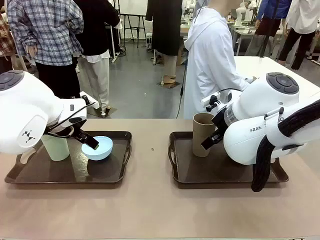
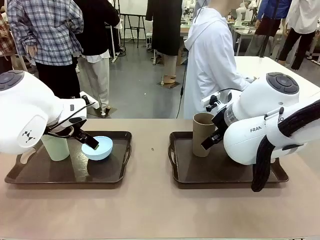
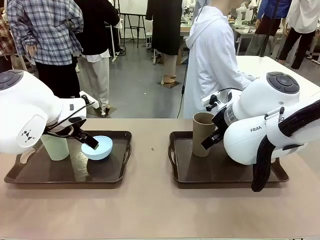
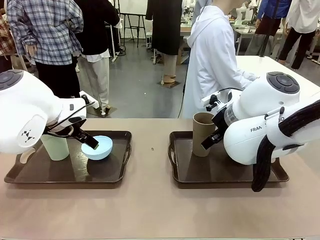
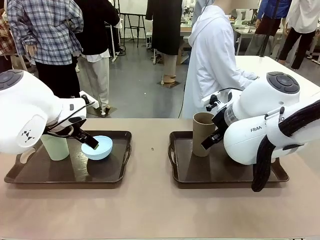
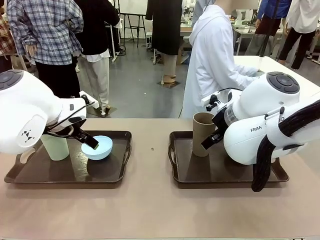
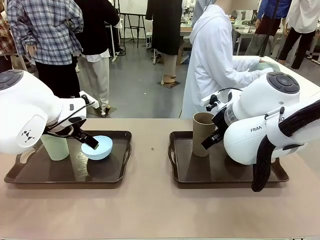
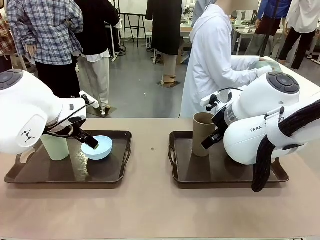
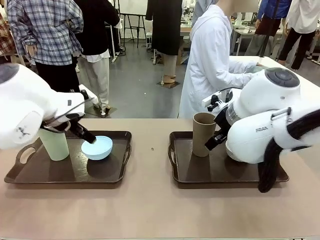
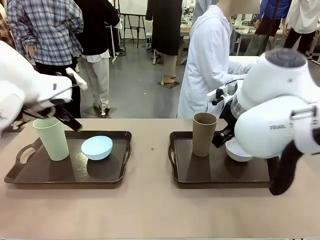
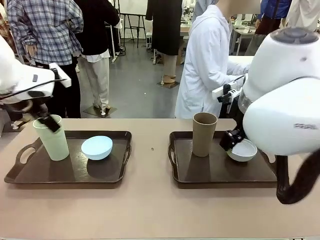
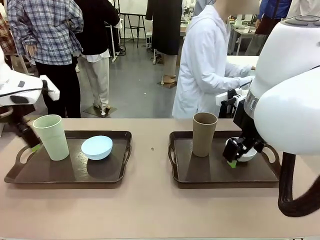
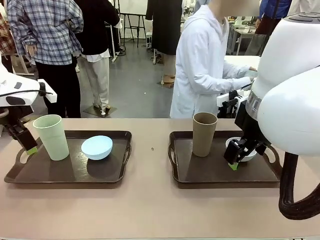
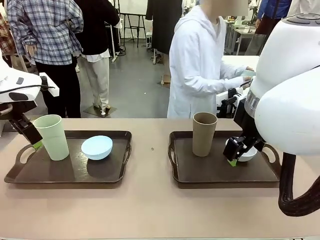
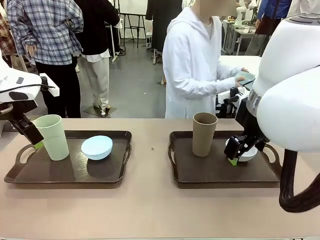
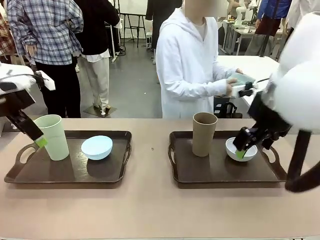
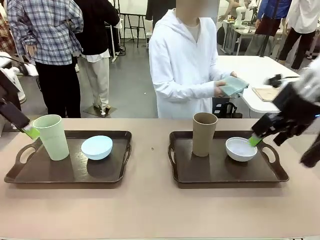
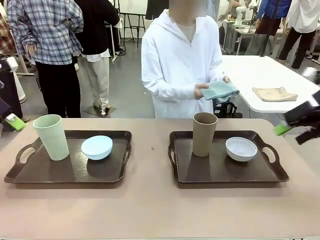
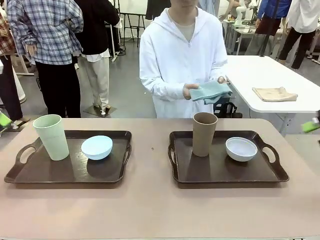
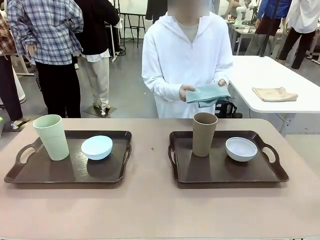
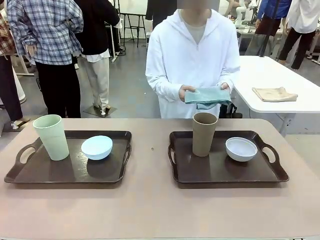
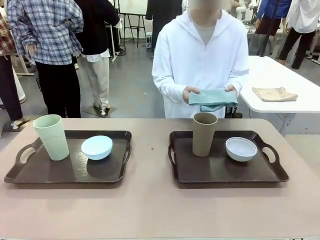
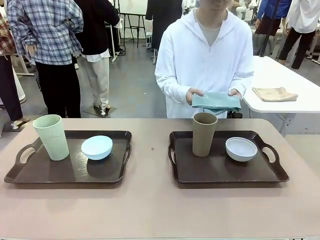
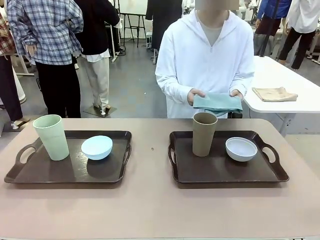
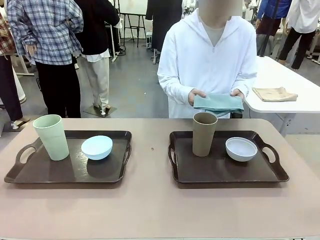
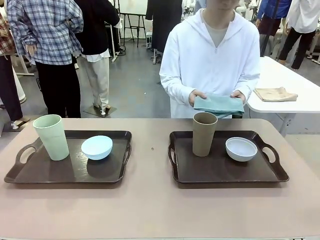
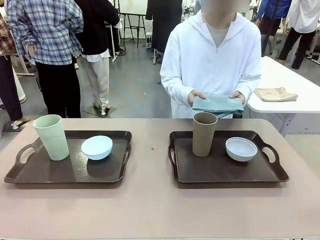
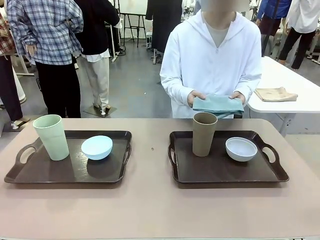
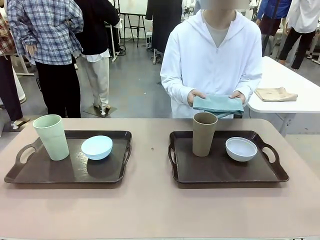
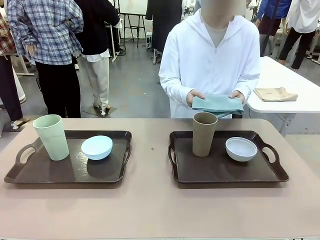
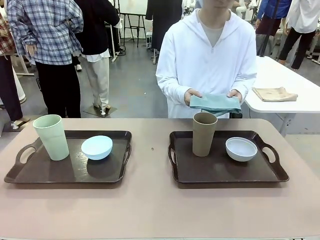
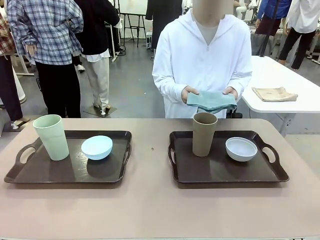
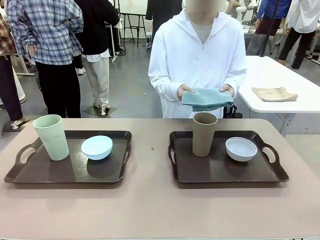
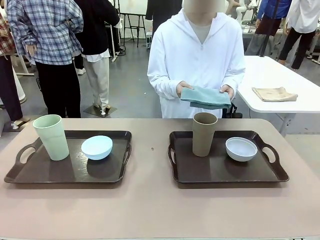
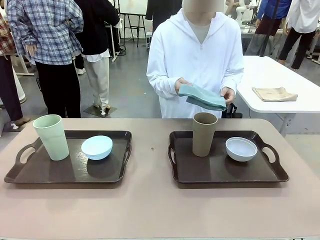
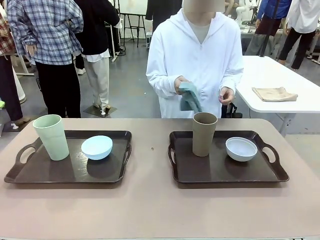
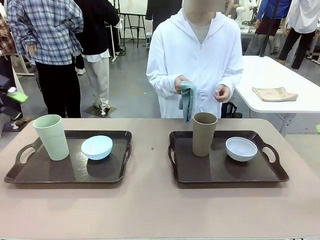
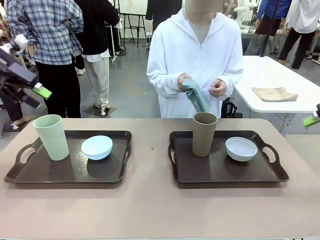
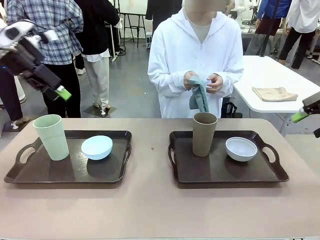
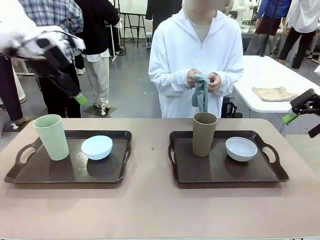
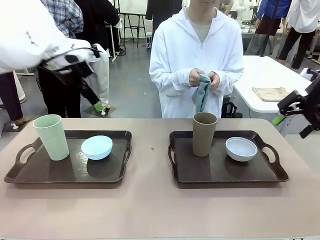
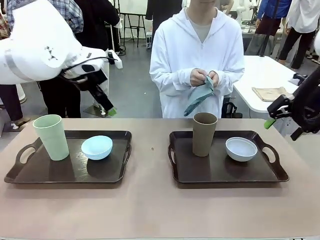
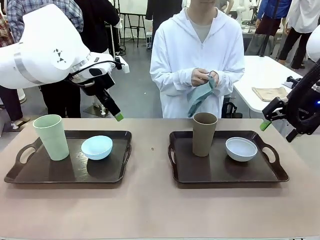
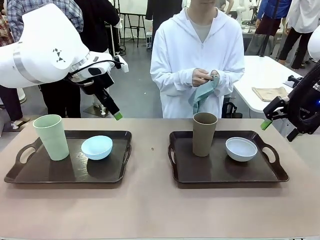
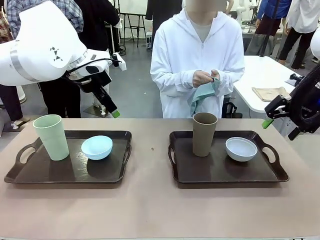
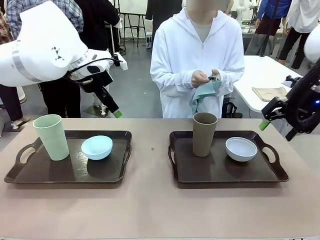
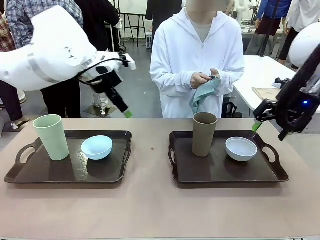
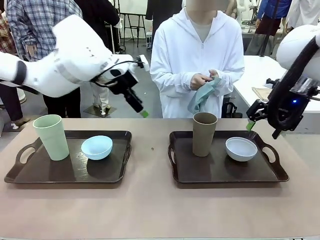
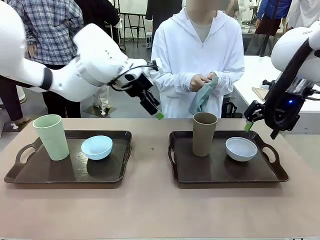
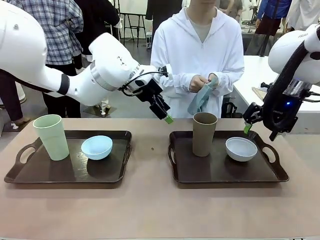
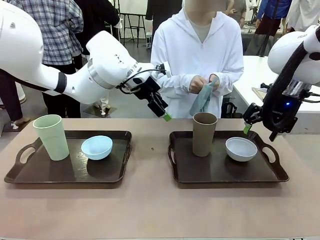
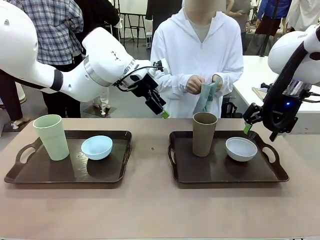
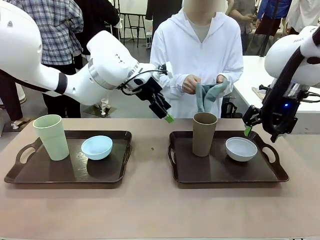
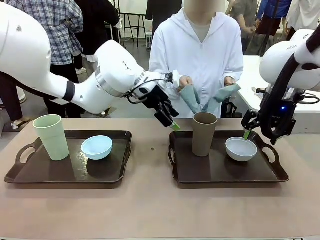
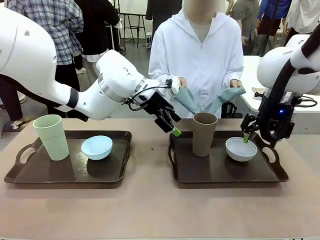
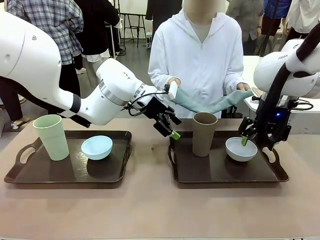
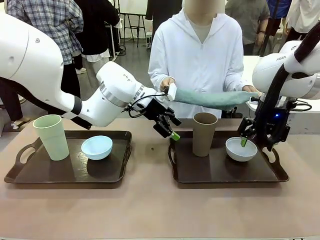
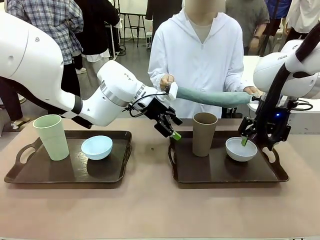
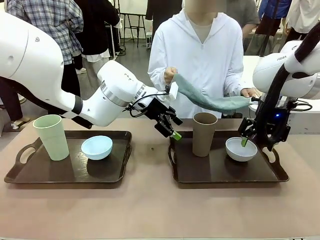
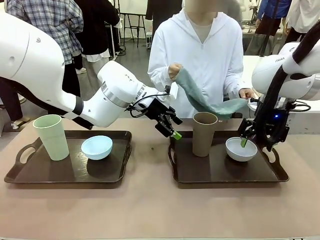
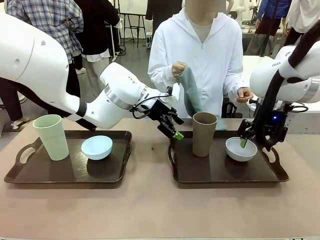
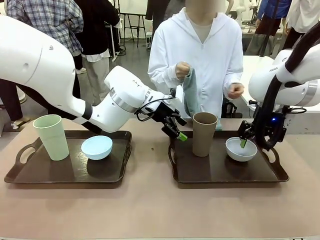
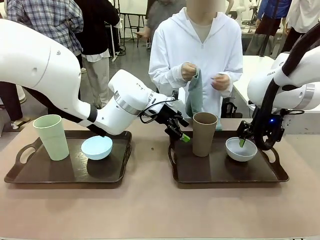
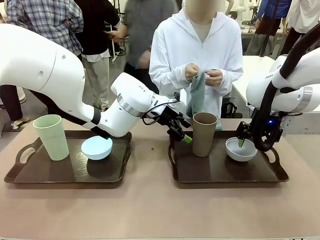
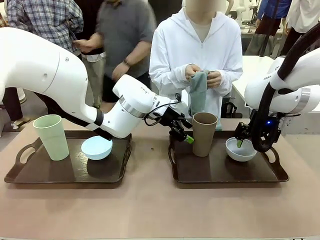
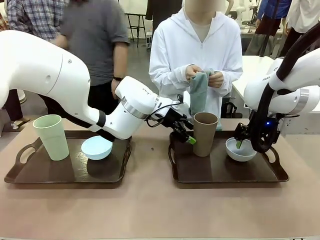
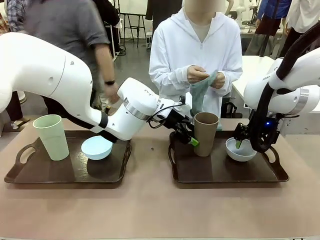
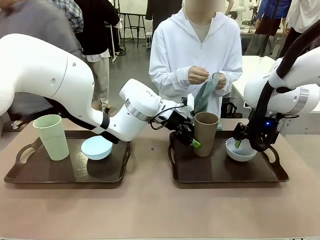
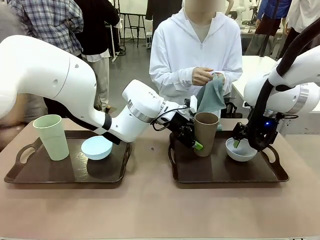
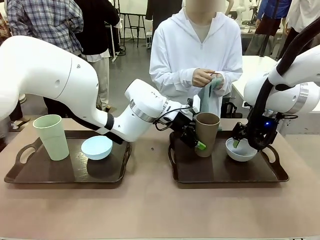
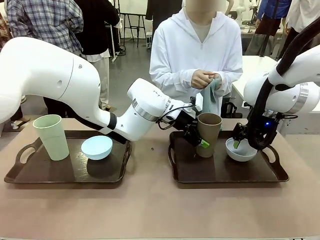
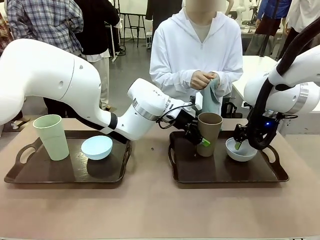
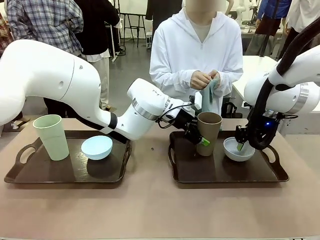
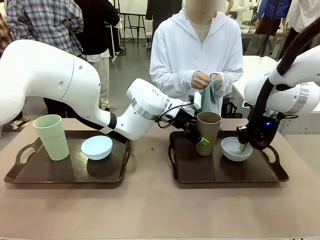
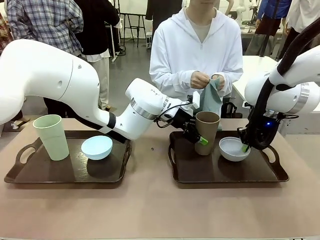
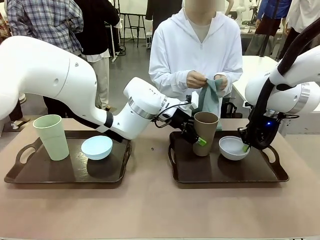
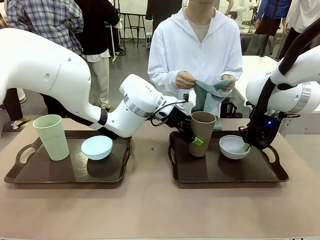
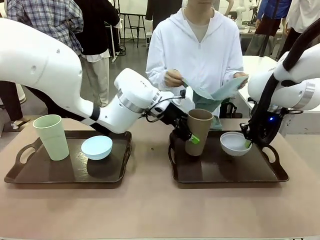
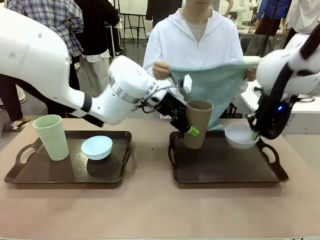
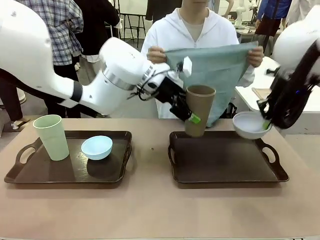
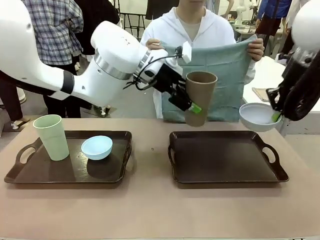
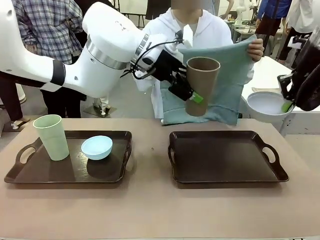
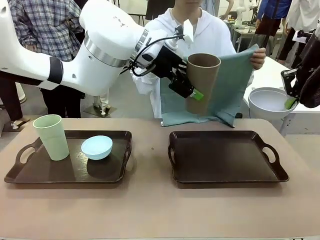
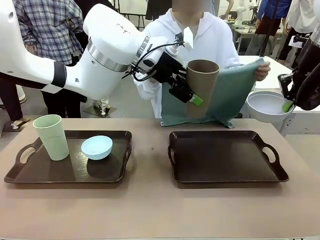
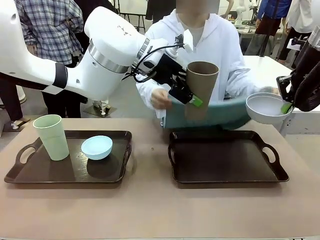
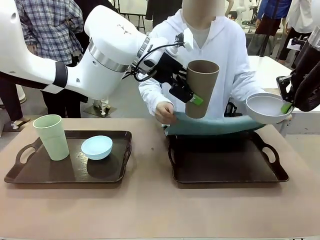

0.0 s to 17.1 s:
Robot: Pick up the Picnic Bowl and Reusable plastic cup from the Handle tray in front of the human's position and hold them in the air.
Person: The human picks up the top napkin from the stack on the human table and walks to the robot table to stand in front of one of the two trays. When the robot lifts the bowl and the cup, the human unfolds the napkin and lays the napkin flat on the tray.
